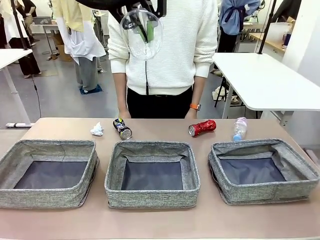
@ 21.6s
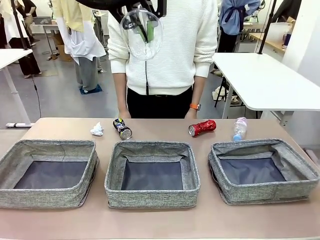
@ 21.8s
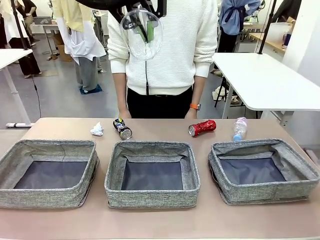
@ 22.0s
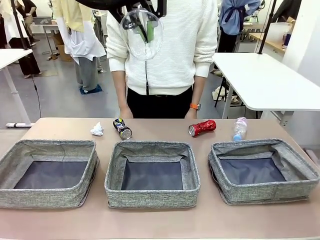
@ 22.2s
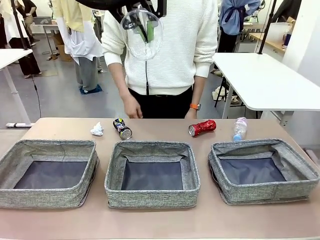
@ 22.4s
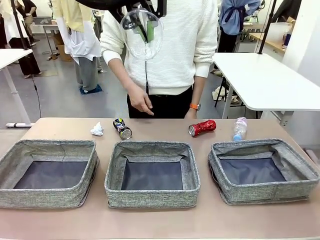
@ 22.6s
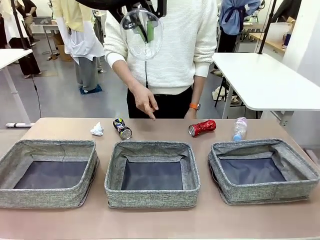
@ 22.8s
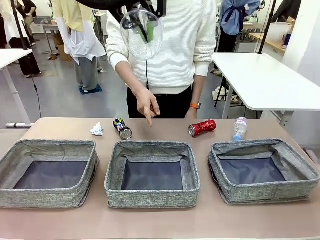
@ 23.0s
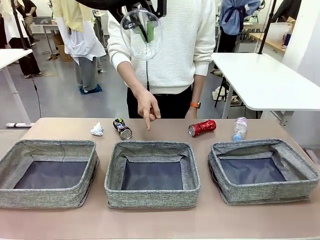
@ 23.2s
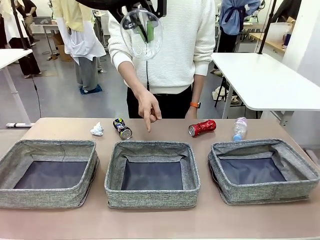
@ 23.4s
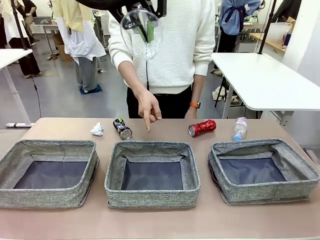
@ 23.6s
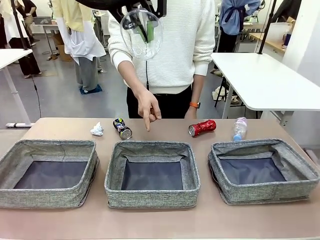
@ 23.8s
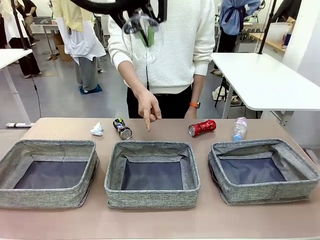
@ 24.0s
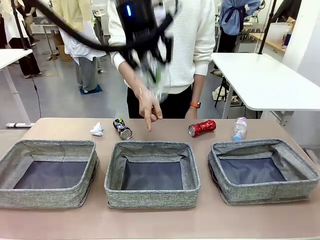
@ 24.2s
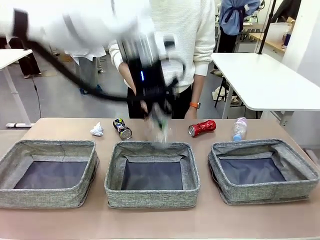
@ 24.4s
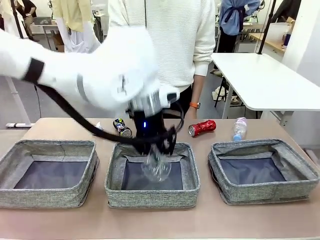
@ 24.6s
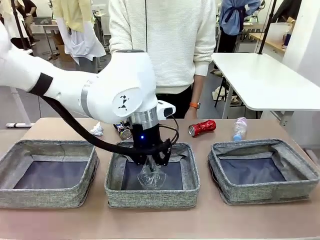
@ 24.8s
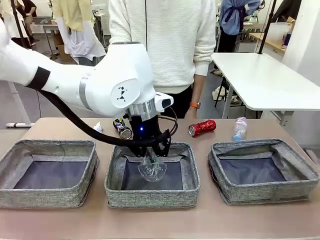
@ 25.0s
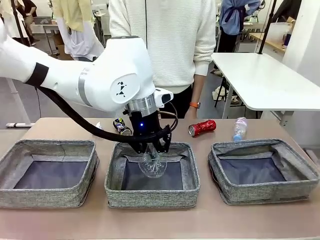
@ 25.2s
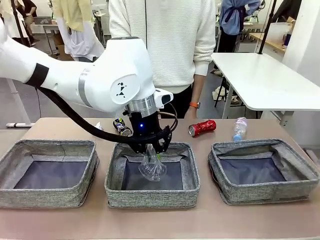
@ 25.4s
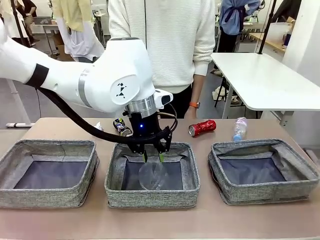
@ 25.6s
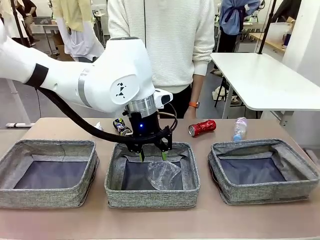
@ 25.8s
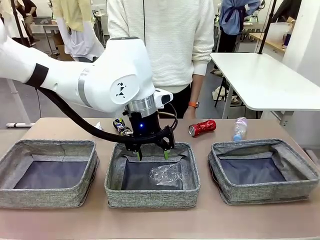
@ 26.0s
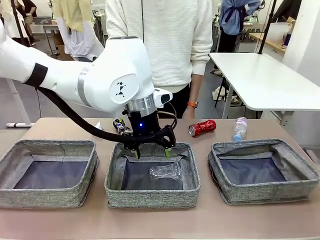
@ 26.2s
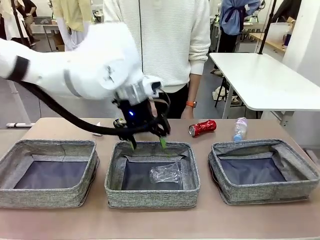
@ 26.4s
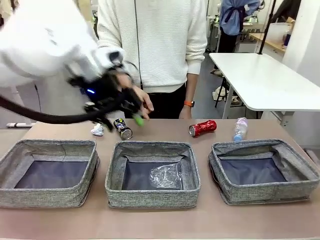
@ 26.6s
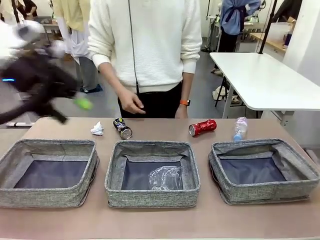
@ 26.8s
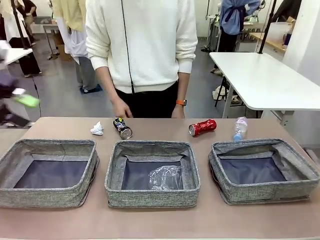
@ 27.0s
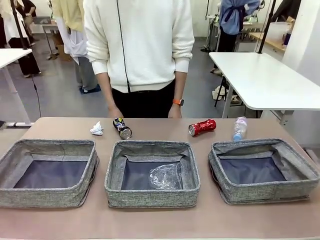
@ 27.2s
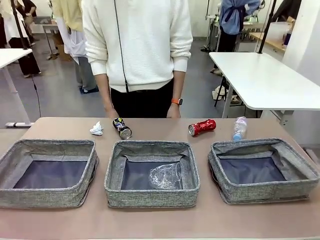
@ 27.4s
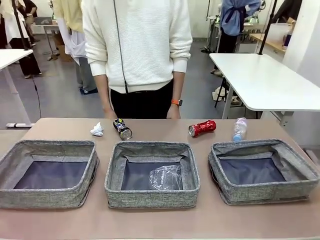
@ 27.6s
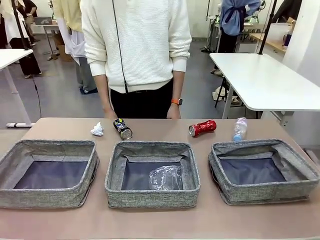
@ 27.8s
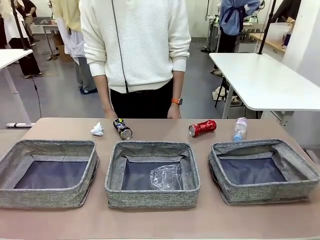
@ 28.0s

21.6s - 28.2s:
Task: Sort the waste into the appropriate baskets.
Robot: Place the picked waste into the Fabric basket indicated by the person.
Person: Instructs the robot to place the picked-up trash into the appropriate organizing basket.

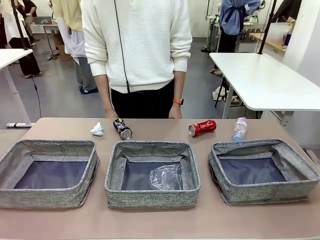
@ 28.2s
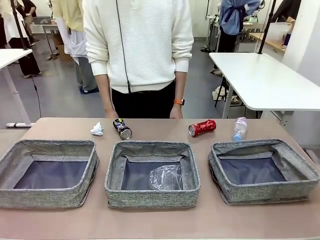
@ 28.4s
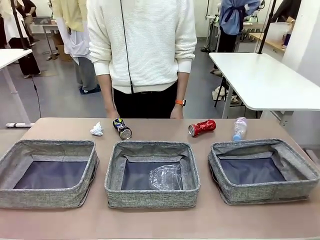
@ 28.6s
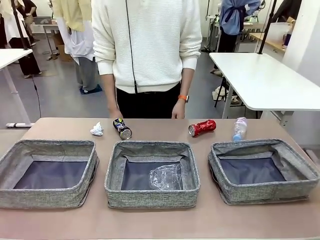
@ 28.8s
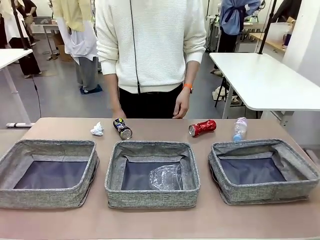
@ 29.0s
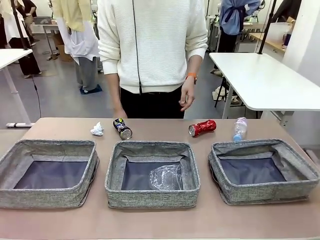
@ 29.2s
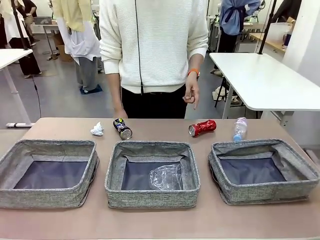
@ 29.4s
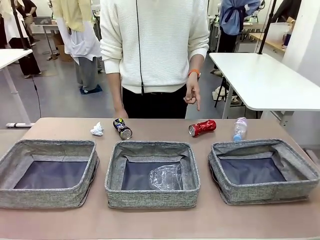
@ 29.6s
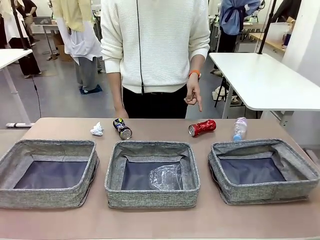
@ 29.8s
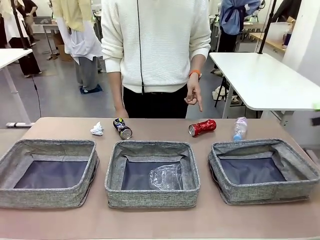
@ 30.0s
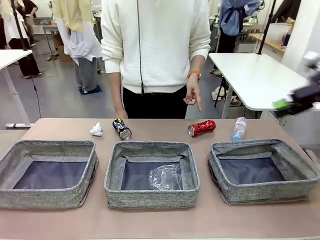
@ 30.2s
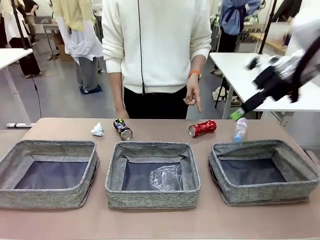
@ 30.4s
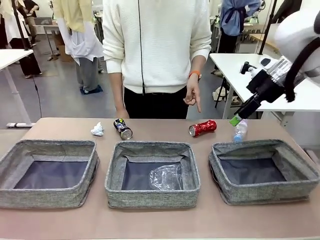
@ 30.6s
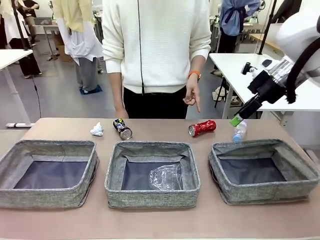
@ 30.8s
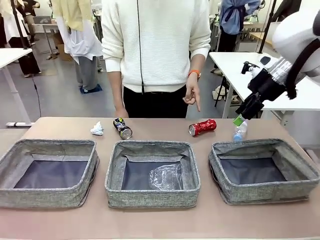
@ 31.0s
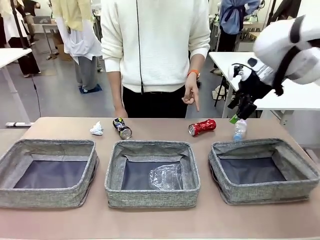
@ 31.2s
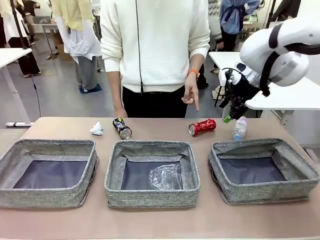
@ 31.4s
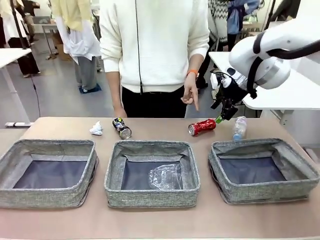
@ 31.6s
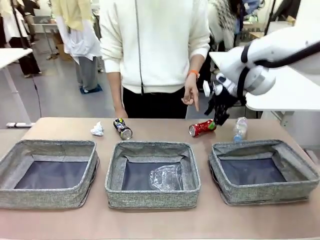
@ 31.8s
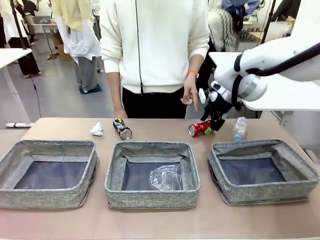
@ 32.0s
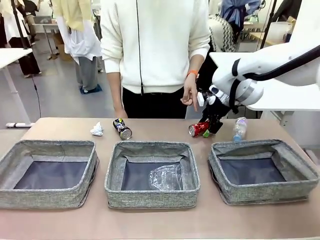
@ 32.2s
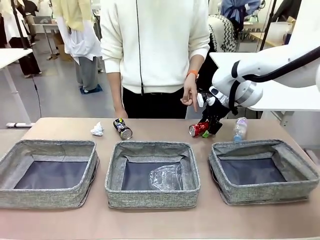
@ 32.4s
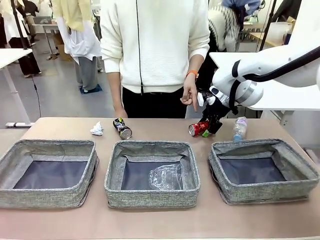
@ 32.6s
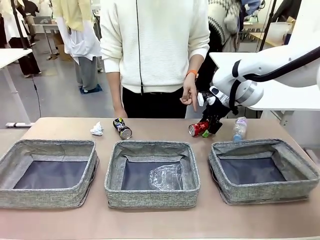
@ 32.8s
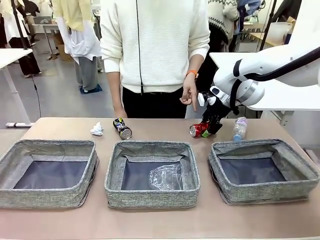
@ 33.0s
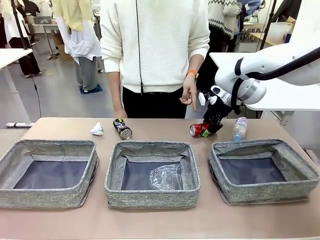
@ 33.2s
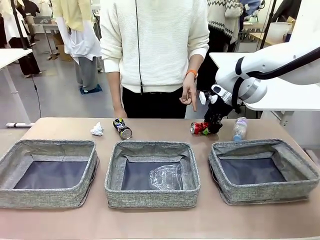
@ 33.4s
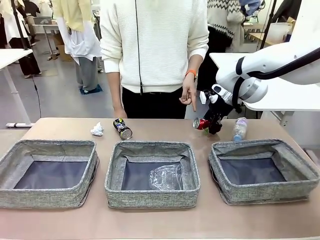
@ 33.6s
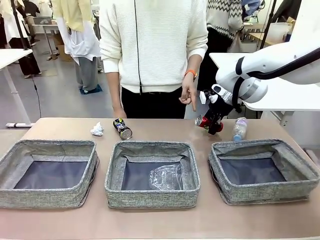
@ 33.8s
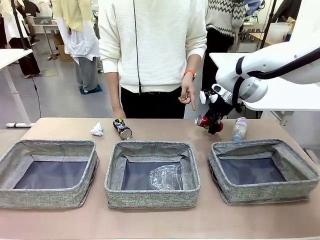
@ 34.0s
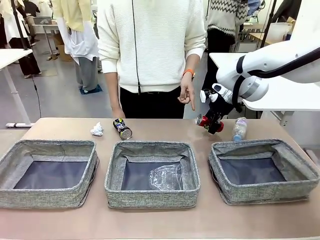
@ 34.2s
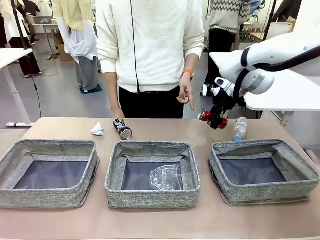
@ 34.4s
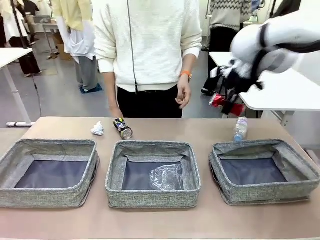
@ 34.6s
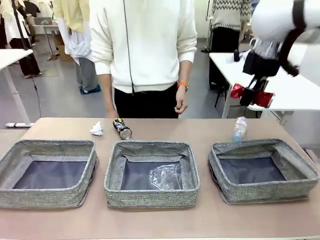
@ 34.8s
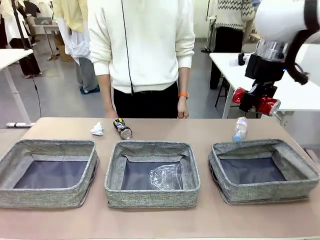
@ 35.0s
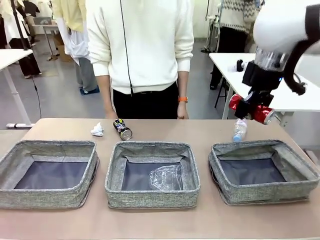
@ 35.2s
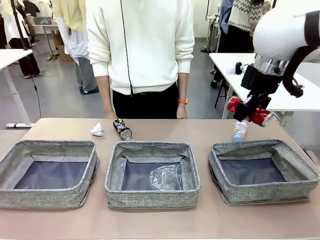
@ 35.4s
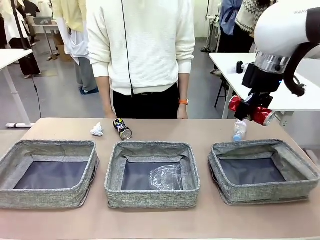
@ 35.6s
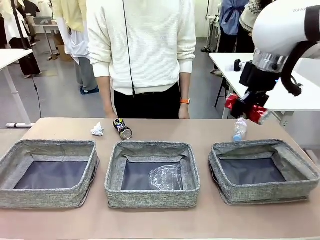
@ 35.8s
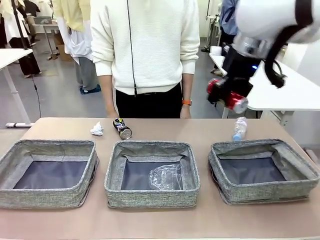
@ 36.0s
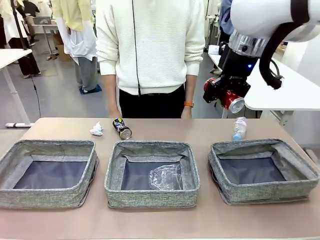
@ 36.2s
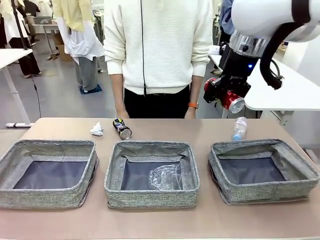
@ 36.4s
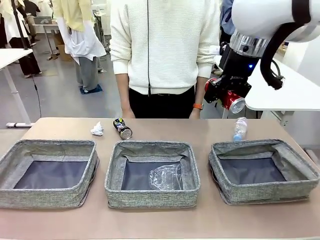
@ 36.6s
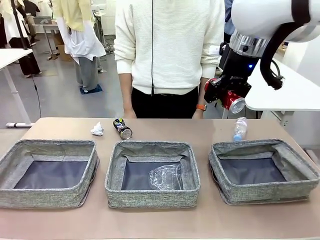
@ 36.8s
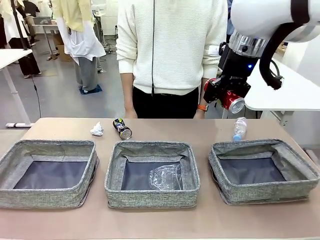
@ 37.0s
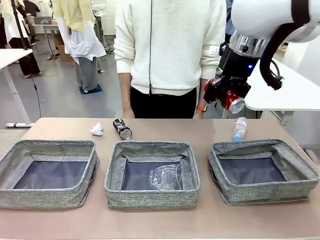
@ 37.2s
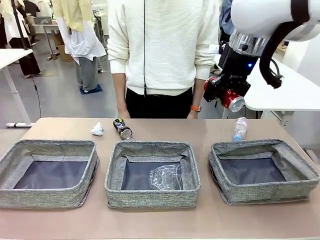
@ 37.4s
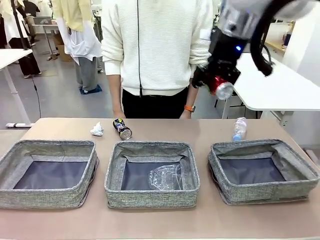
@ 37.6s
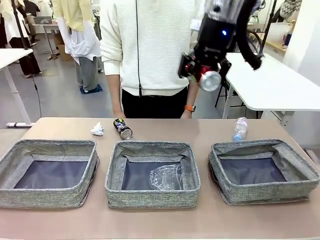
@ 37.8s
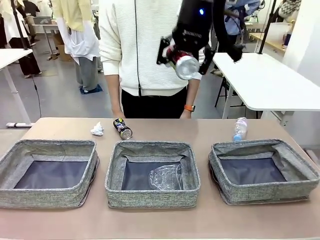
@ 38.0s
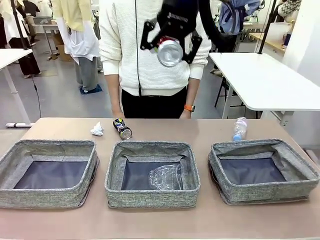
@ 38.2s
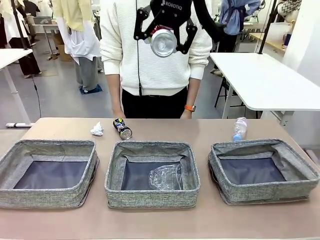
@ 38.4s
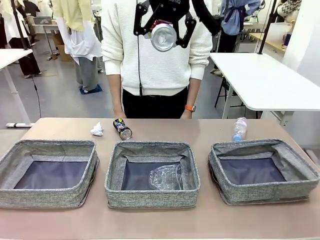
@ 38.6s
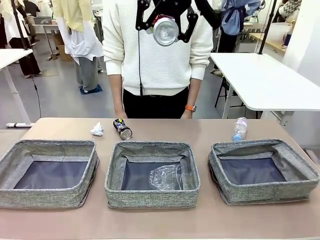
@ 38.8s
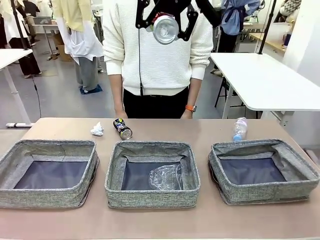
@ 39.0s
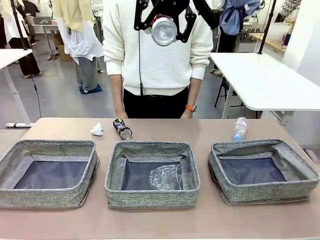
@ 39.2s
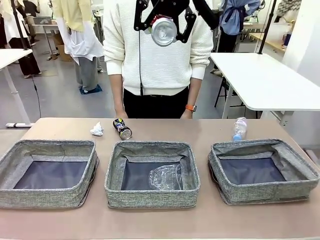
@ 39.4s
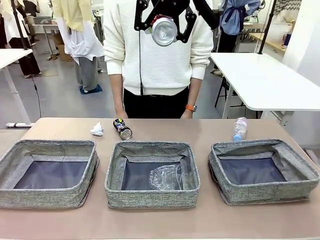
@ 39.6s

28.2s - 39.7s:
Robot: Pick up the waste item pointed out by the person.
Person: Points to one piece of trash on the table.

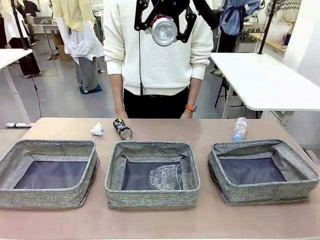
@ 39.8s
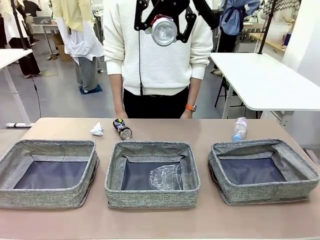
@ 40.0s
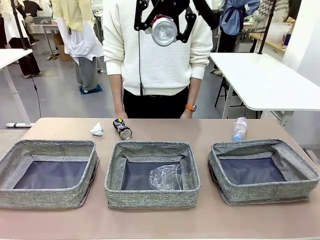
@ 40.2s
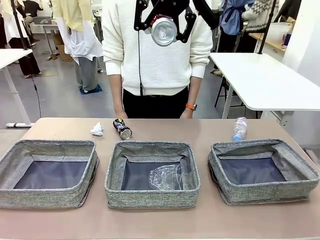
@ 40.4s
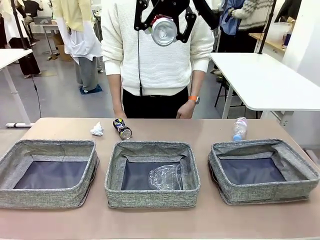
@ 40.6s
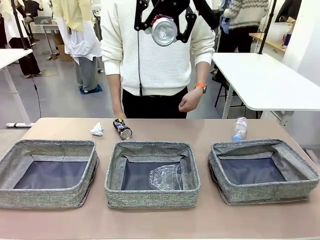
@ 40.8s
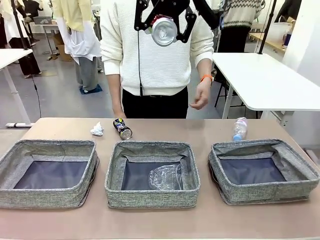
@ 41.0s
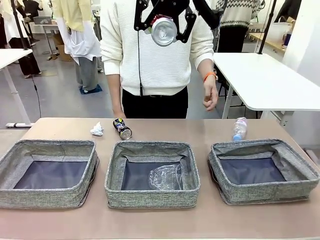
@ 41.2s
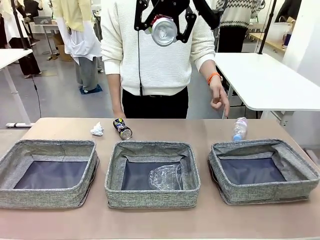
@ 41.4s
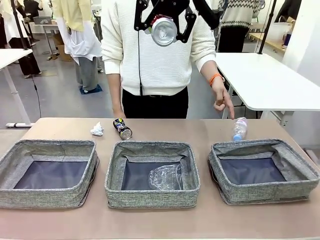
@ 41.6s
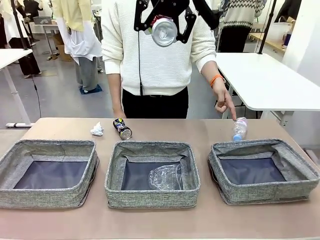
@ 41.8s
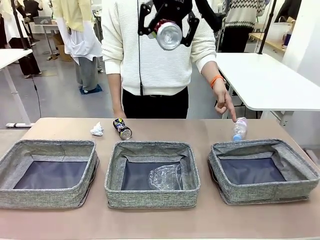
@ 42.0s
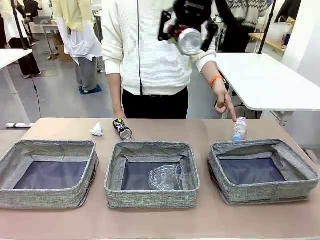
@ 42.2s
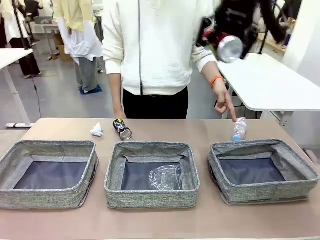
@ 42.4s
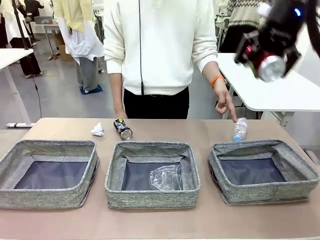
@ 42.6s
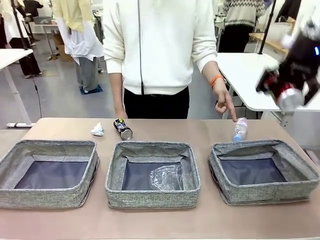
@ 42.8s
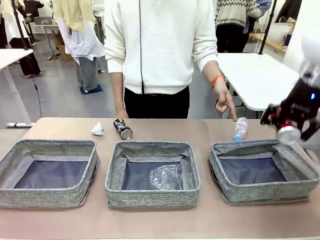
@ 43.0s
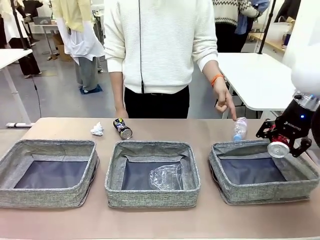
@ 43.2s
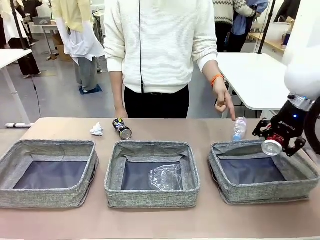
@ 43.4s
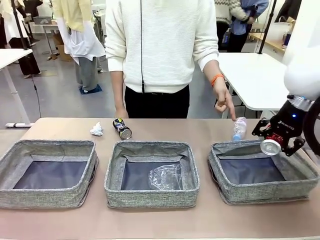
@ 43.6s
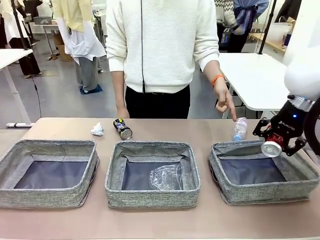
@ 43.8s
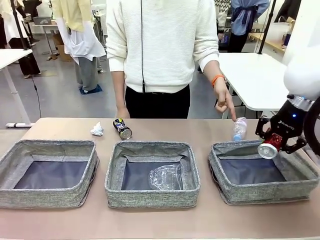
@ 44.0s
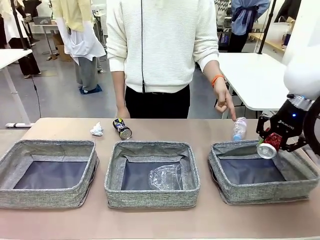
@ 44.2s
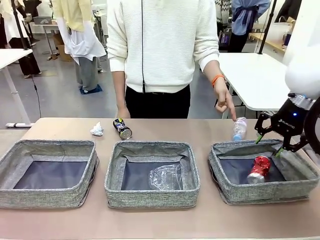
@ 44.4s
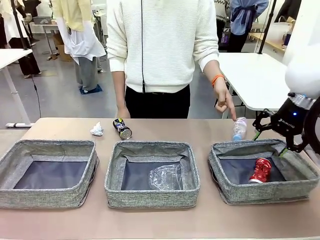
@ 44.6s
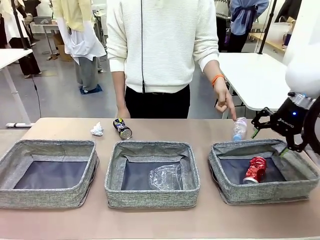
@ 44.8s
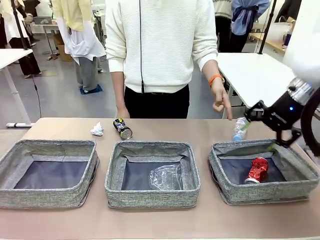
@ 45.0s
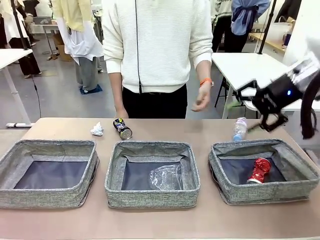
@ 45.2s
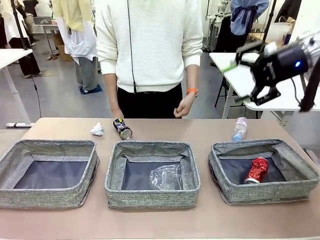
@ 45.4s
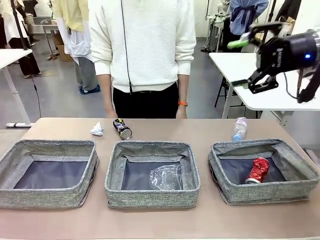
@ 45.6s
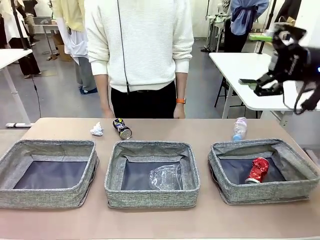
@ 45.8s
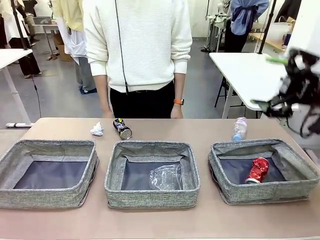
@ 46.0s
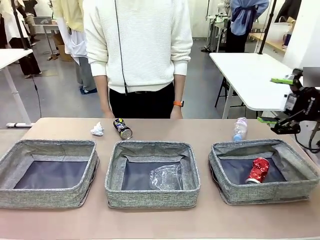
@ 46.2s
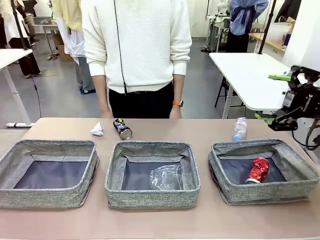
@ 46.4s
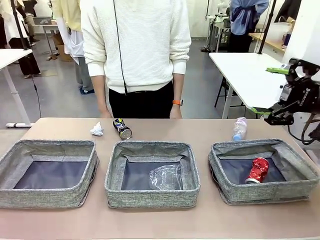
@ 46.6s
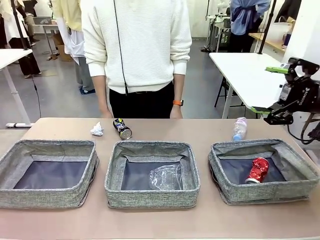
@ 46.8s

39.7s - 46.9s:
Robot: Place the picked waste into the Fabric basket indicated by the person.
Person: Instructs the robot to place the picked-up trash into the appropriate organizing basket.
